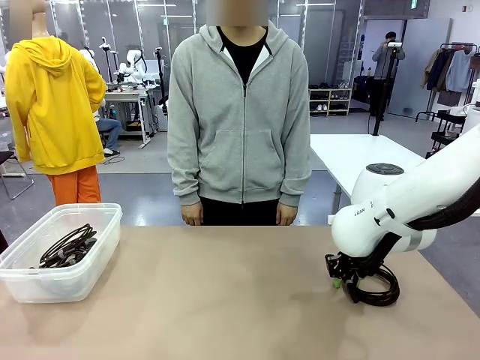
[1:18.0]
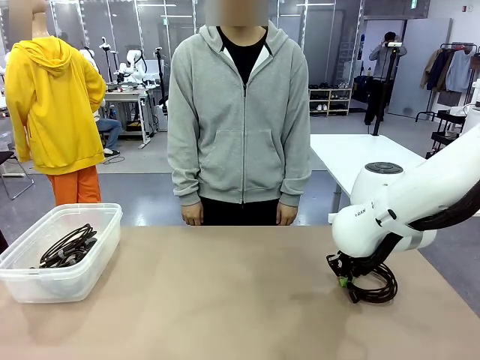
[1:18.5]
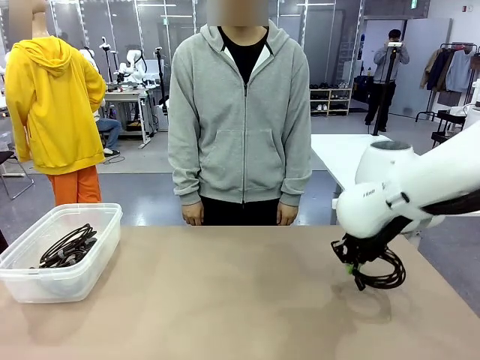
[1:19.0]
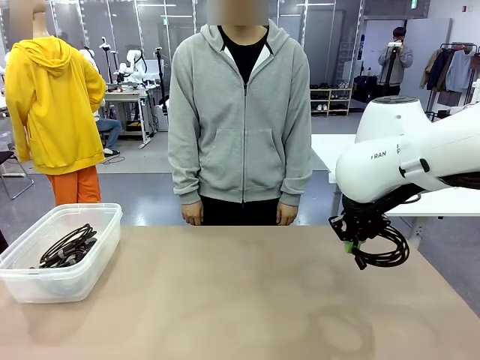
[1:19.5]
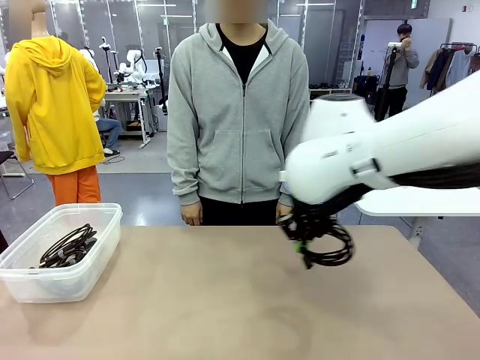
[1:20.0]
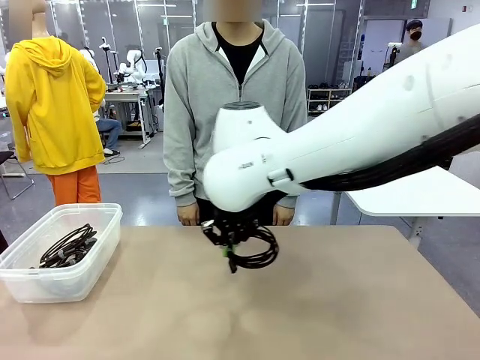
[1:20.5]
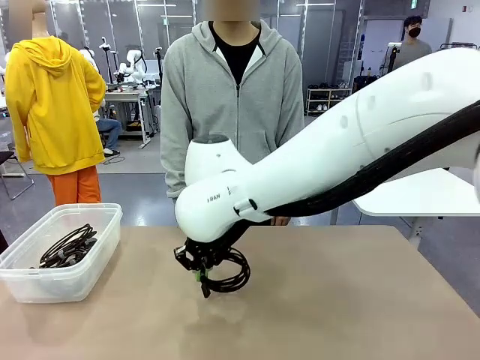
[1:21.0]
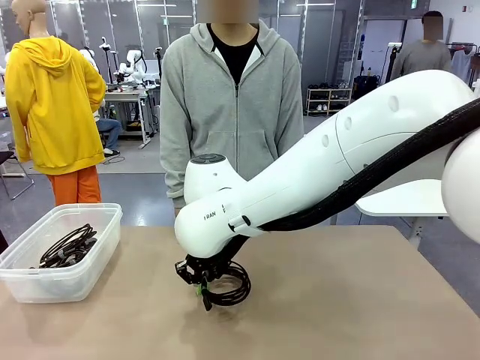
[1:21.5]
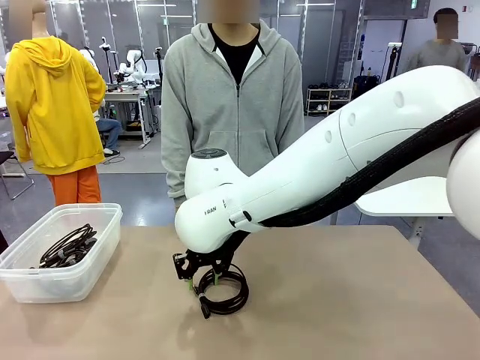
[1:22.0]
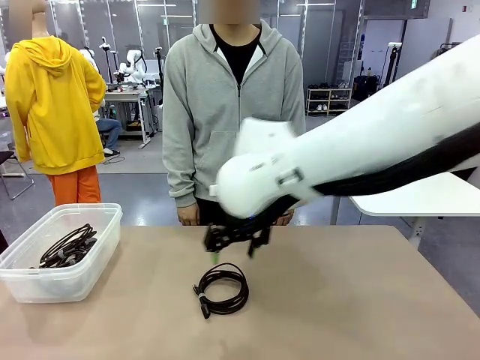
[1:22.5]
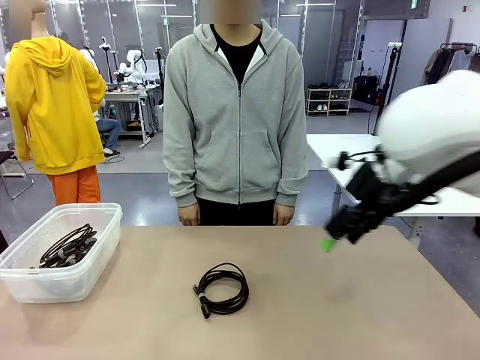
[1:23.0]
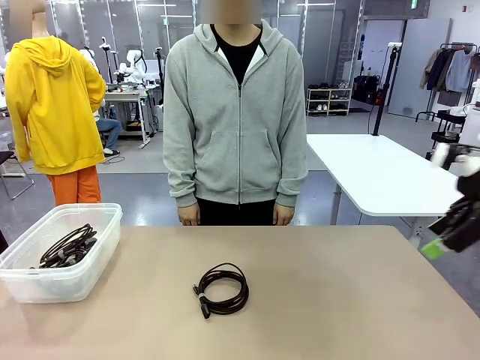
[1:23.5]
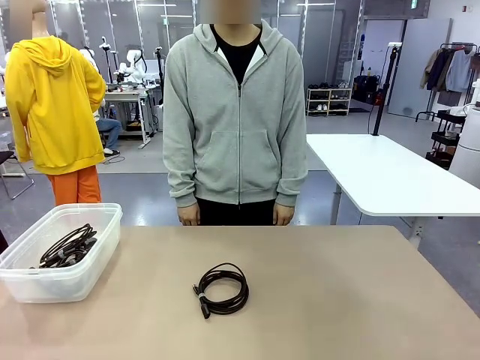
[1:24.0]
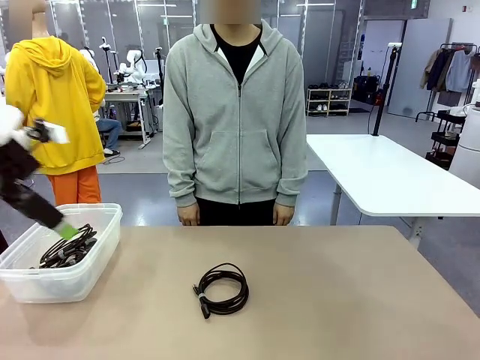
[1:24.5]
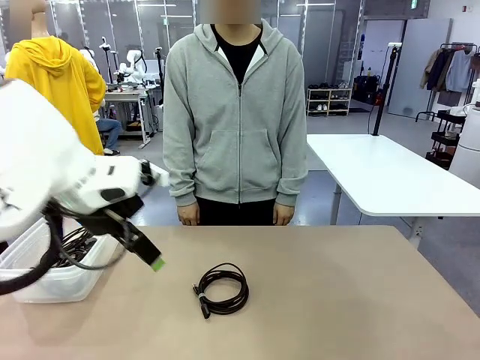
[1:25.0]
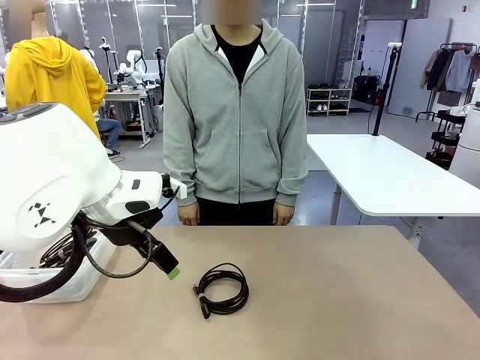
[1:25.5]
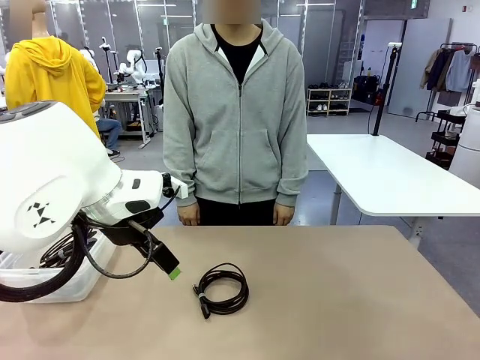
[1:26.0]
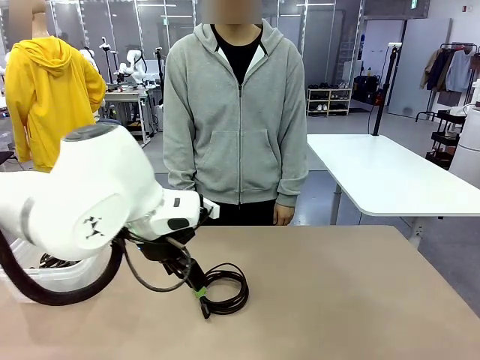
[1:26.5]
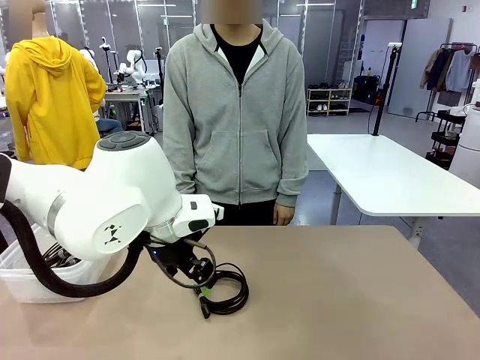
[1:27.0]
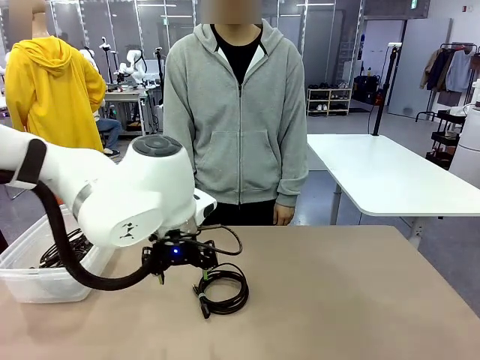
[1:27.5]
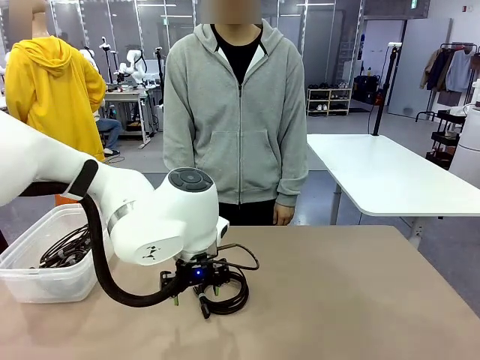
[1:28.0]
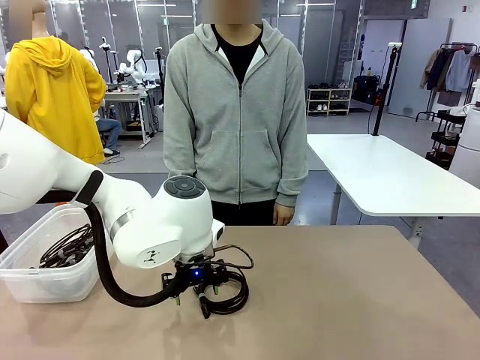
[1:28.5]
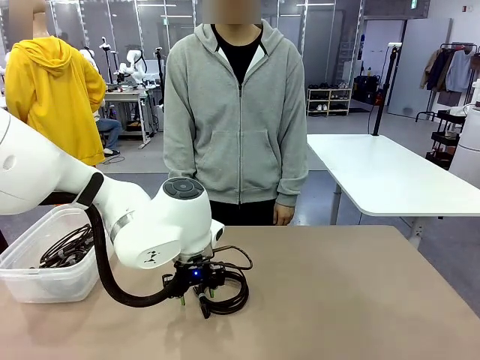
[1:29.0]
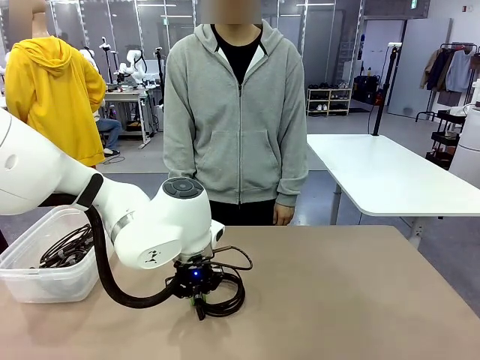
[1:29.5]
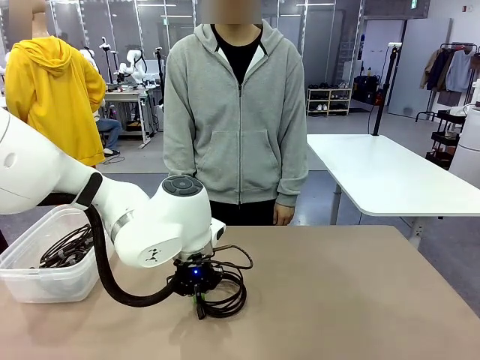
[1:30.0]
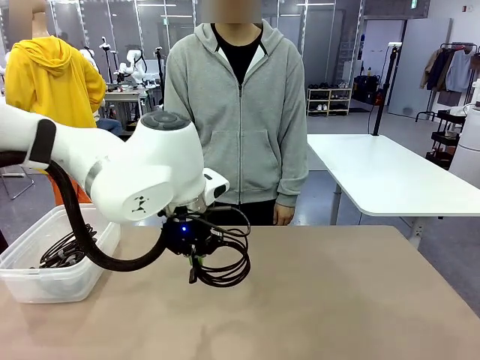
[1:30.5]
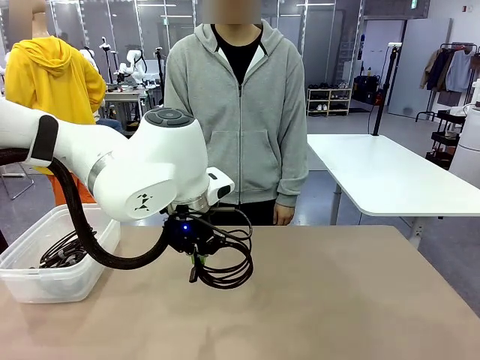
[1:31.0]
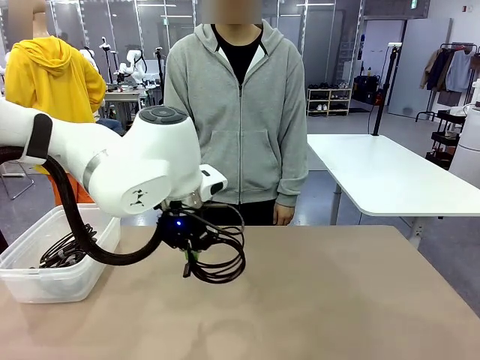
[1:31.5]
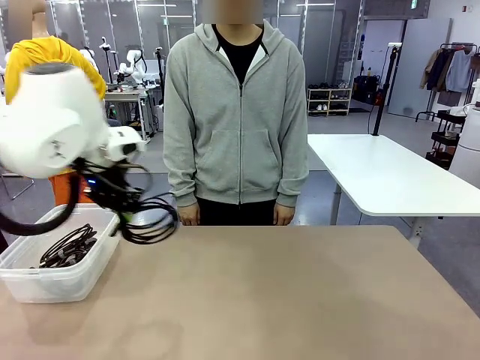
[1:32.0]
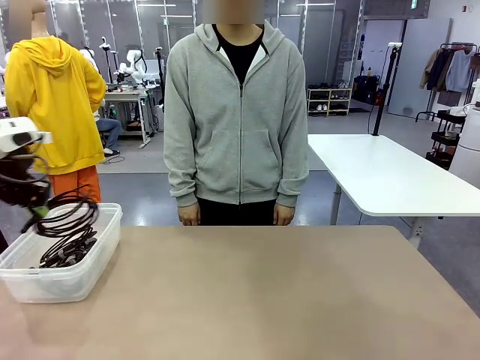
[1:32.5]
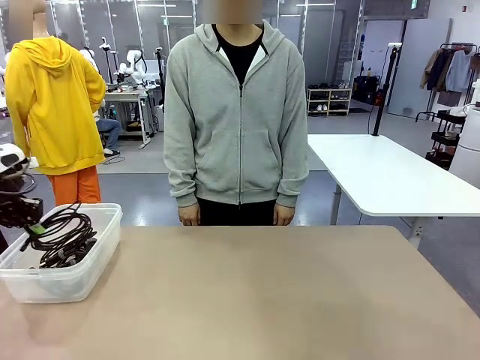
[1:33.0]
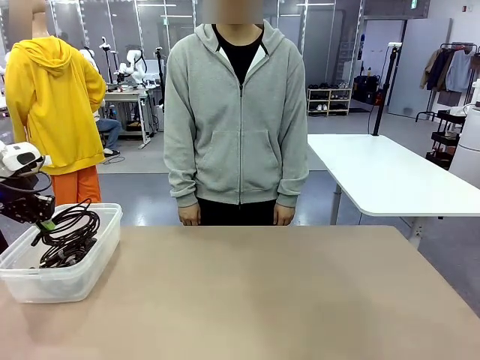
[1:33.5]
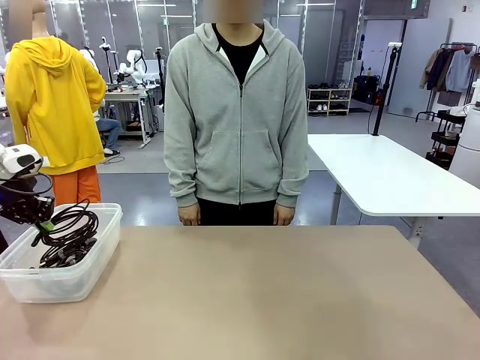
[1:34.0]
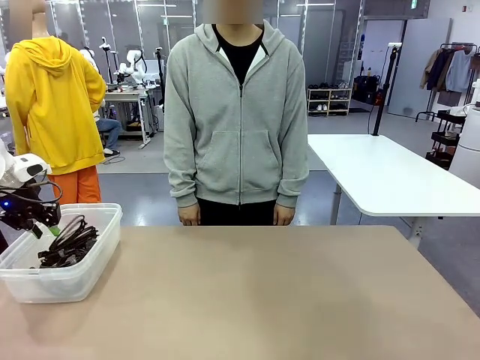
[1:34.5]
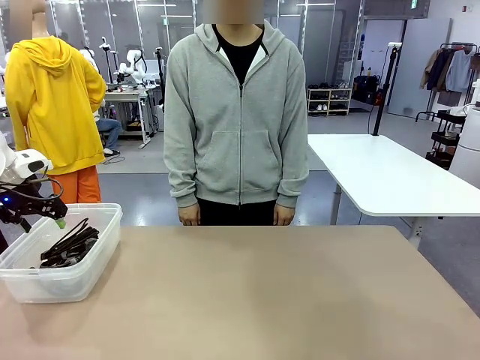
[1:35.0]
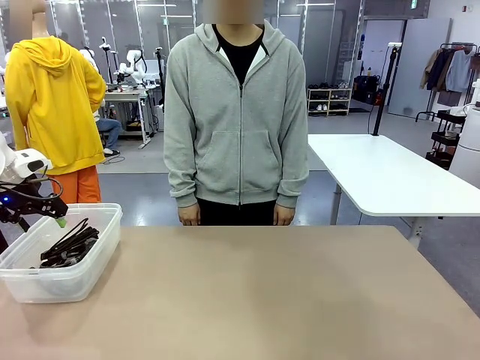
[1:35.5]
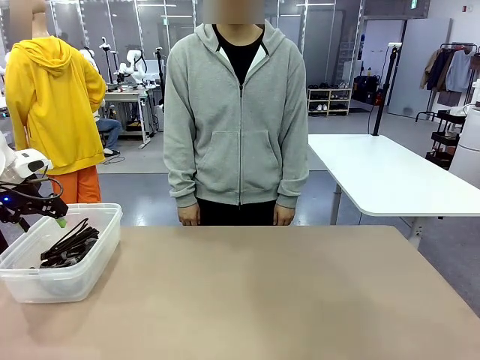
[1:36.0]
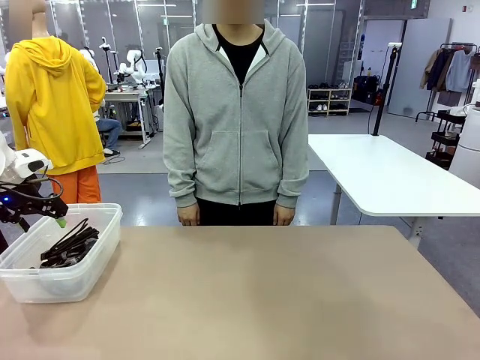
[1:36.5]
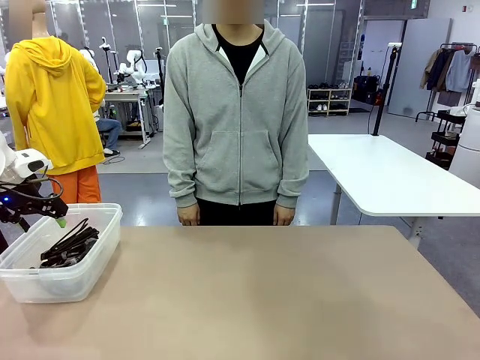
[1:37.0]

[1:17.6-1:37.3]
Task: Organize and store the cables.
Robot: Place the USB Extension Cable into the Organizing box.

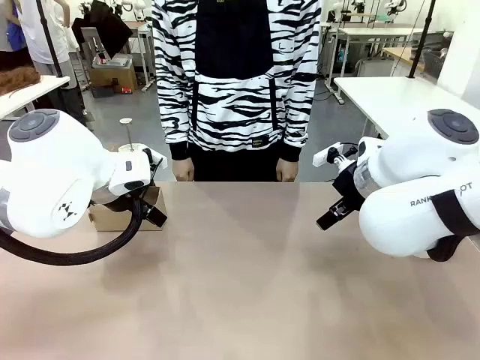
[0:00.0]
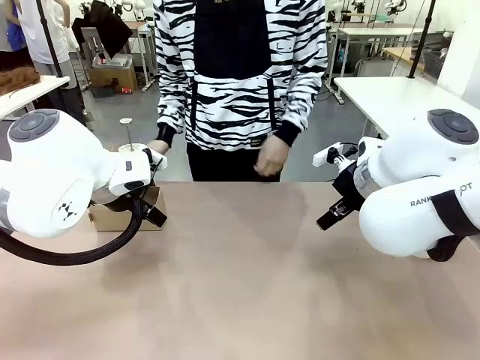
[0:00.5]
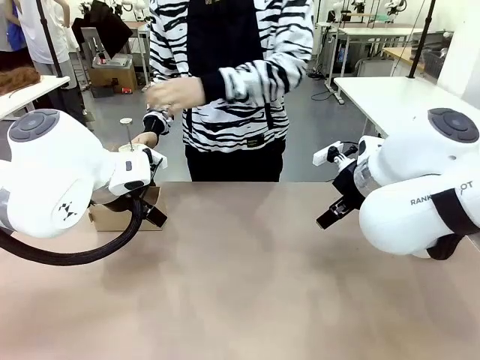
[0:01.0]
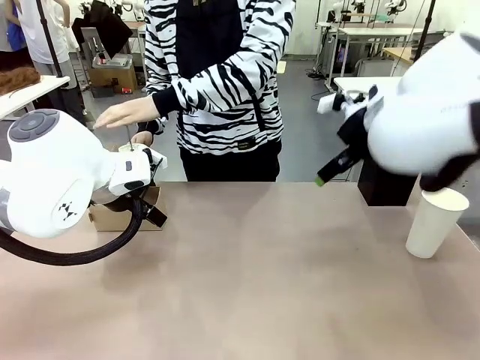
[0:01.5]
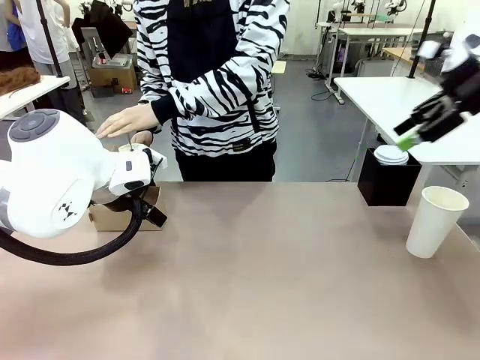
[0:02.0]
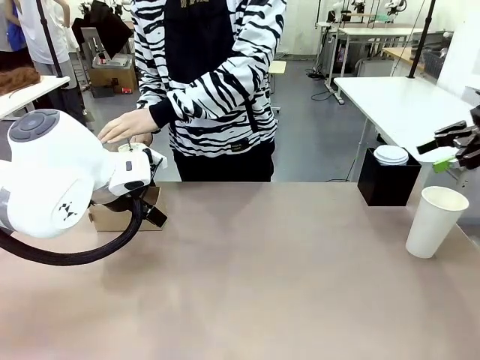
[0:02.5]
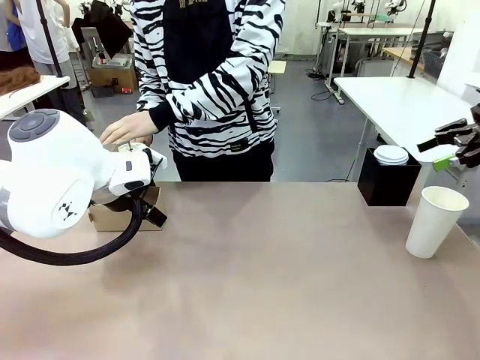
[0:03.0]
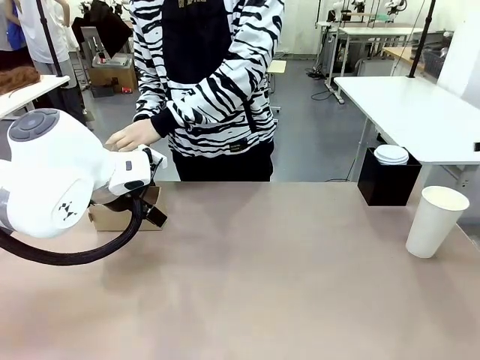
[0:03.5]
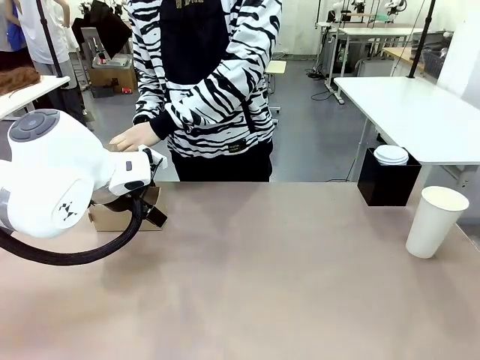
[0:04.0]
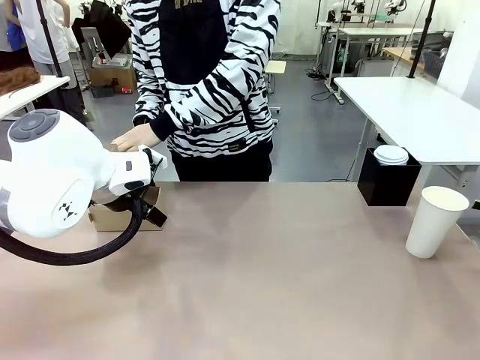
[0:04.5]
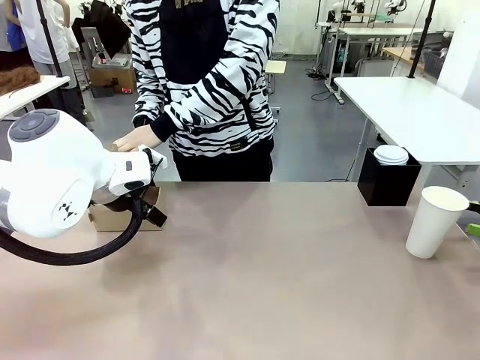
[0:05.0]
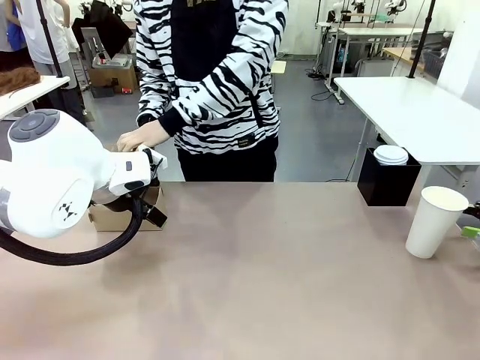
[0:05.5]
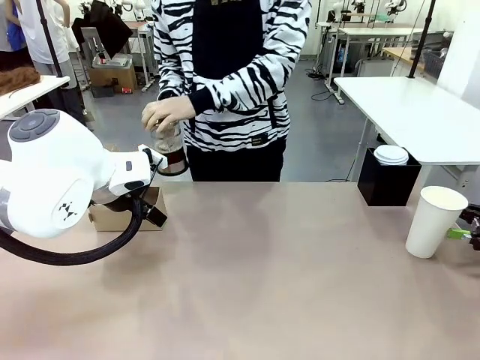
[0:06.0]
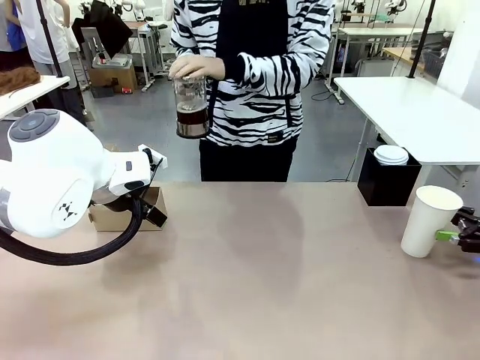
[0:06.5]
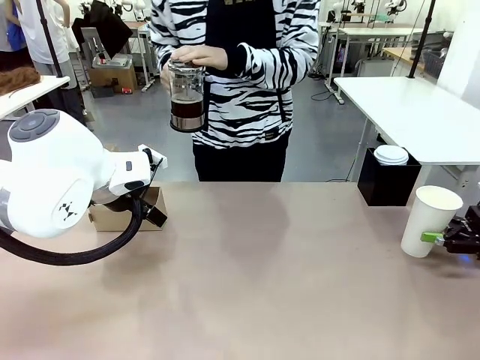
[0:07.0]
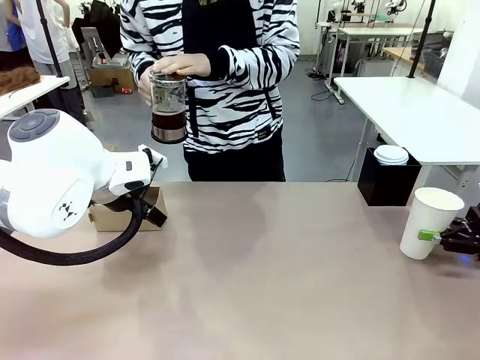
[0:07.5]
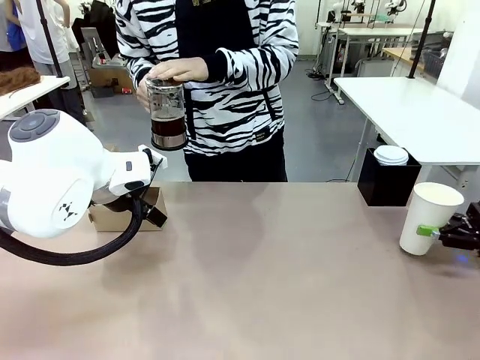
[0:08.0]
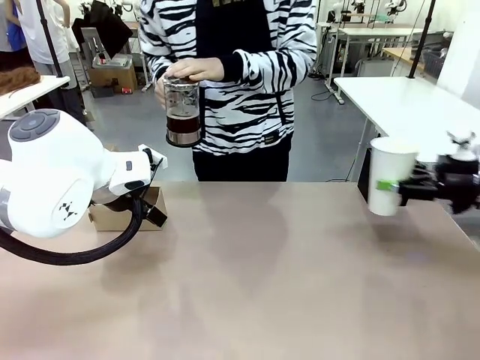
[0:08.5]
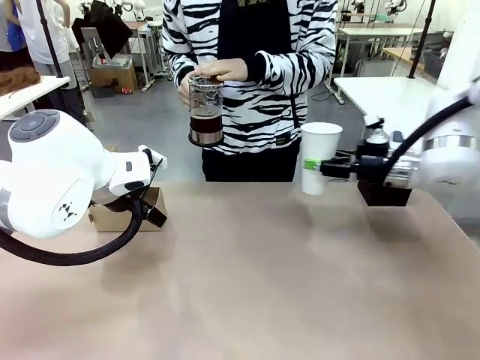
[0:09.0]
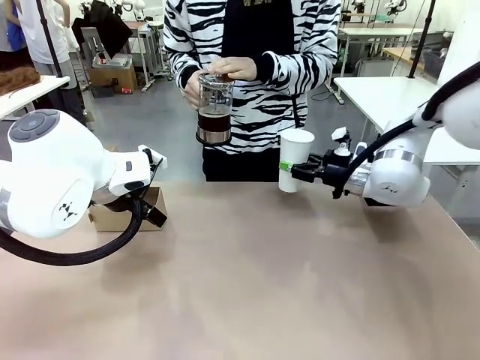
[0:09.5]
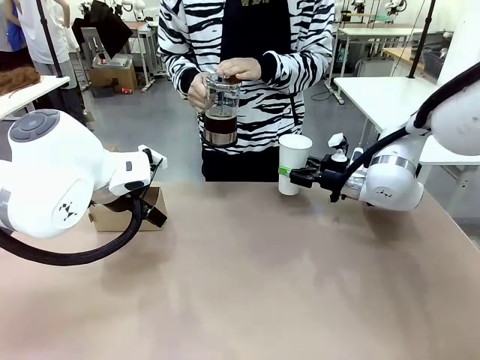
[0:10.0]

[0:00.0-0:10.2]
Task: Pour a drink into a cup and package it in a carrier.
Robot: Pick up the 600 ml Paper Cup and place it in the middle top area of the table.
Person: Press and pick up the Filter Brewing.
